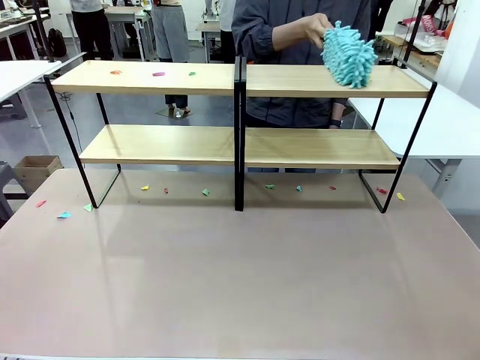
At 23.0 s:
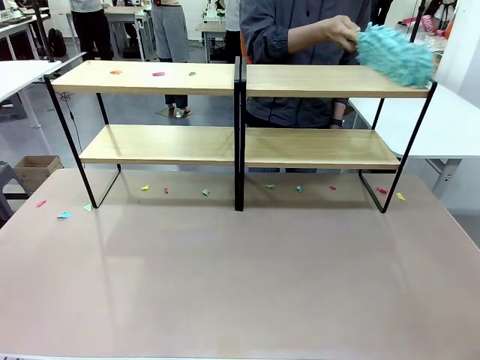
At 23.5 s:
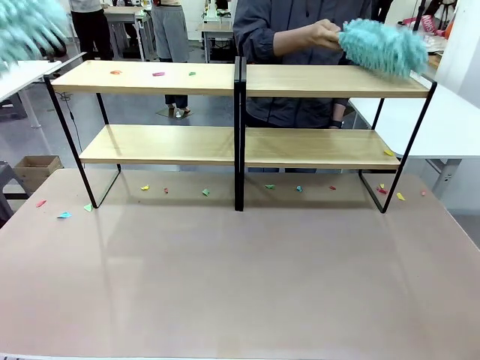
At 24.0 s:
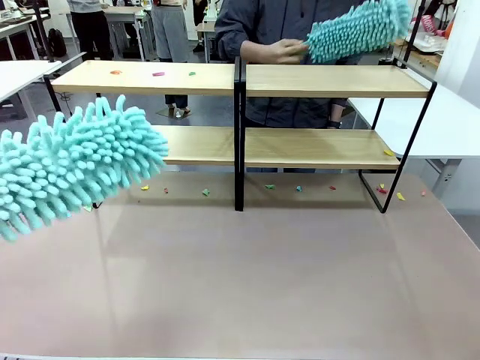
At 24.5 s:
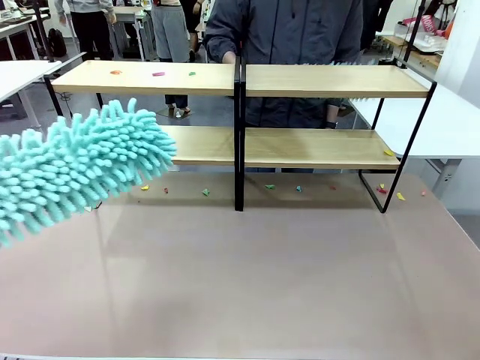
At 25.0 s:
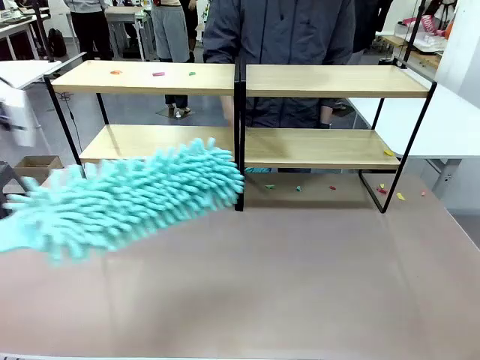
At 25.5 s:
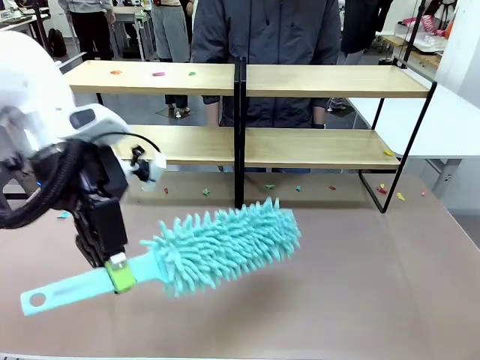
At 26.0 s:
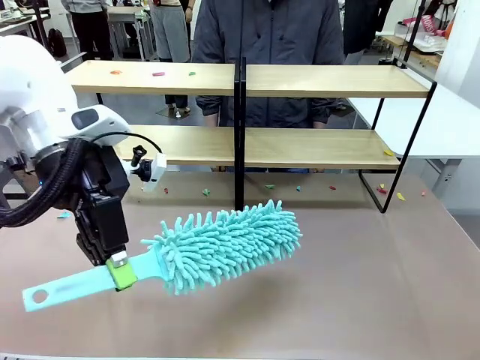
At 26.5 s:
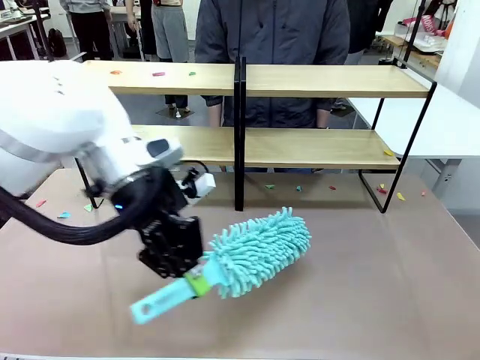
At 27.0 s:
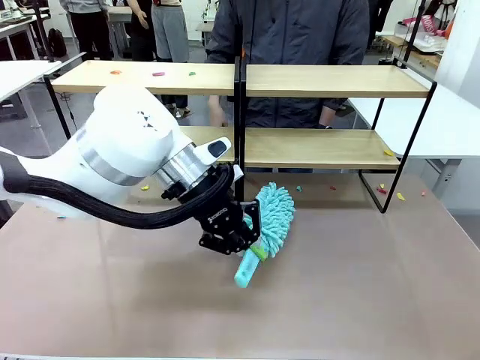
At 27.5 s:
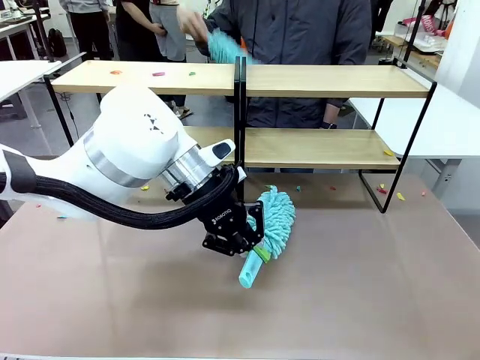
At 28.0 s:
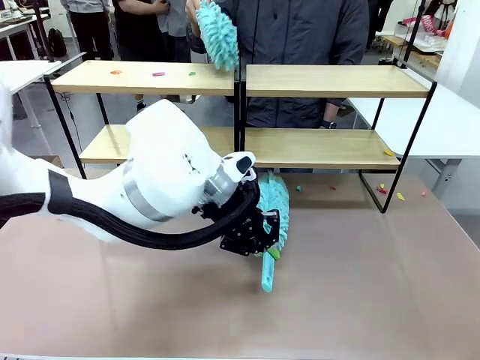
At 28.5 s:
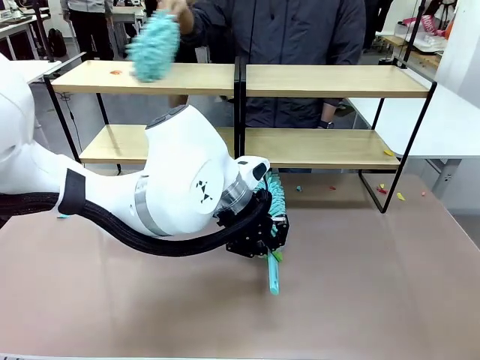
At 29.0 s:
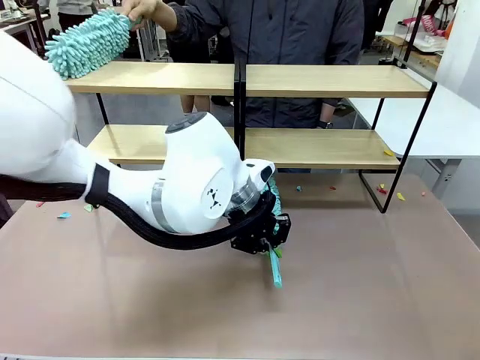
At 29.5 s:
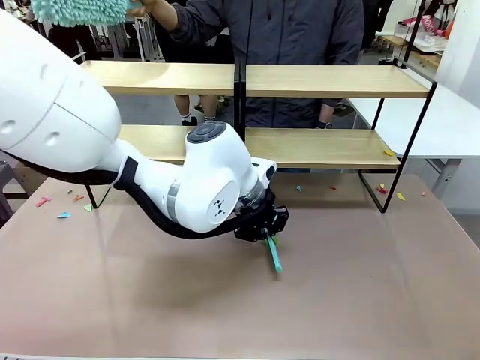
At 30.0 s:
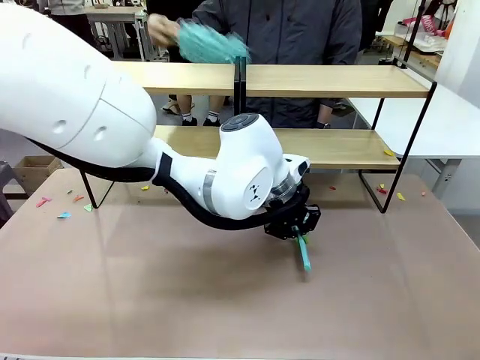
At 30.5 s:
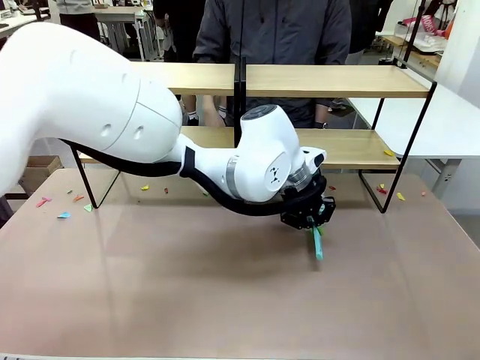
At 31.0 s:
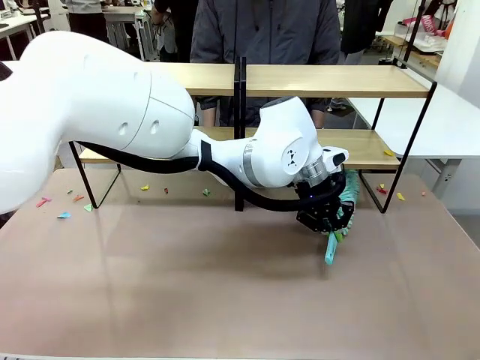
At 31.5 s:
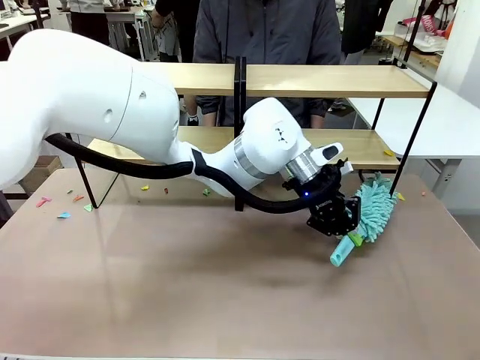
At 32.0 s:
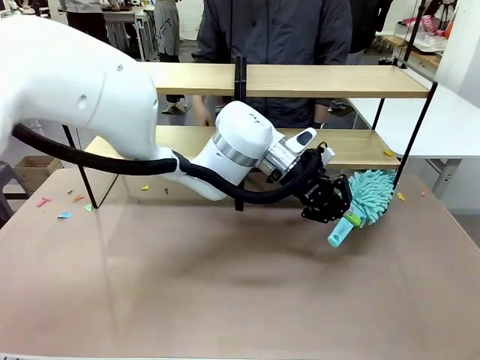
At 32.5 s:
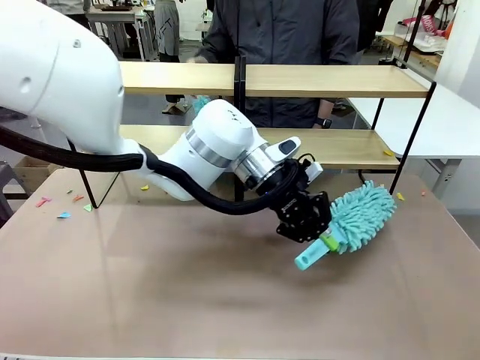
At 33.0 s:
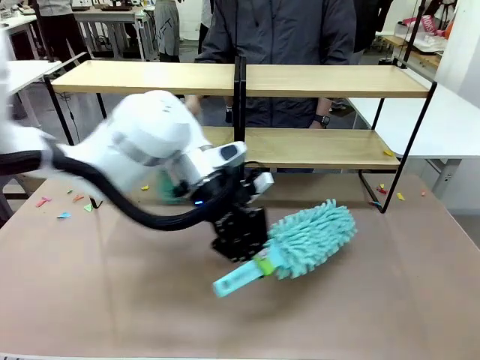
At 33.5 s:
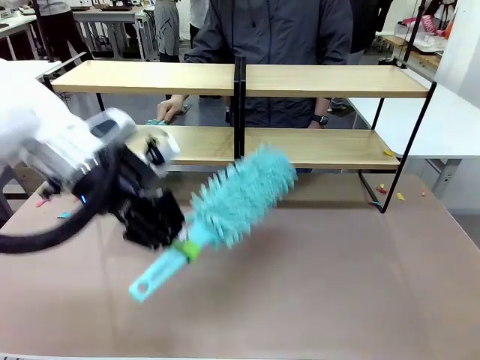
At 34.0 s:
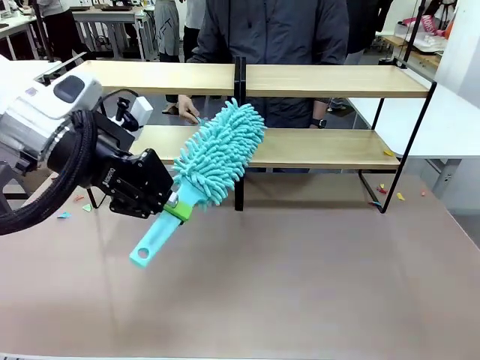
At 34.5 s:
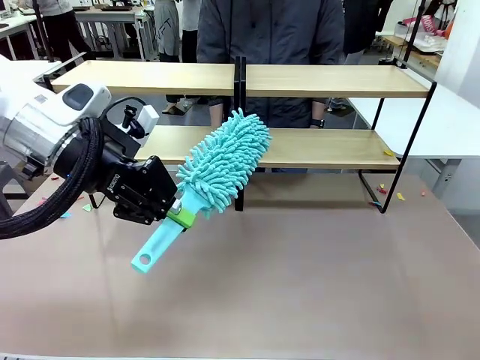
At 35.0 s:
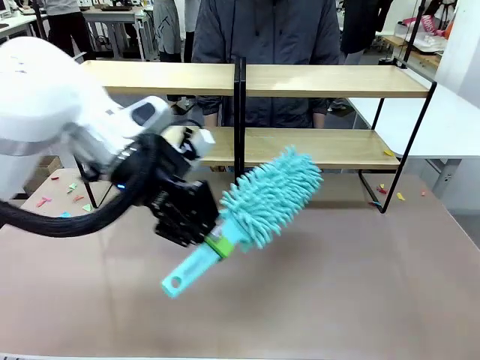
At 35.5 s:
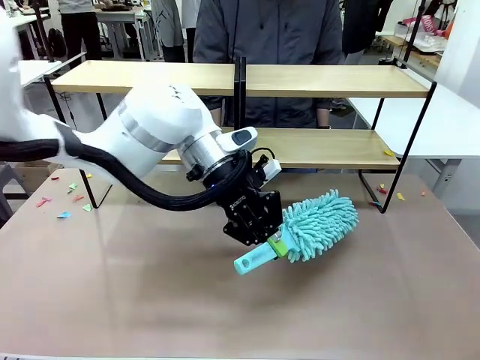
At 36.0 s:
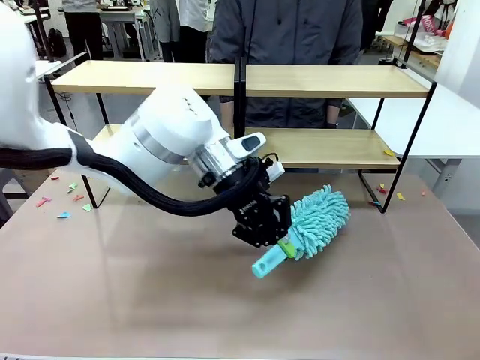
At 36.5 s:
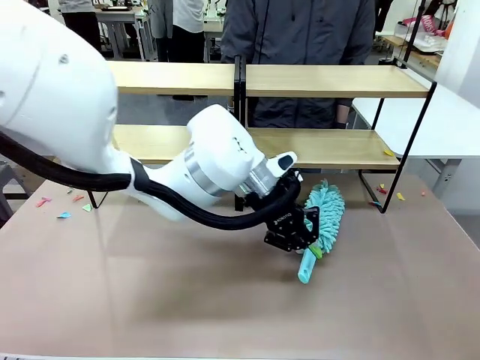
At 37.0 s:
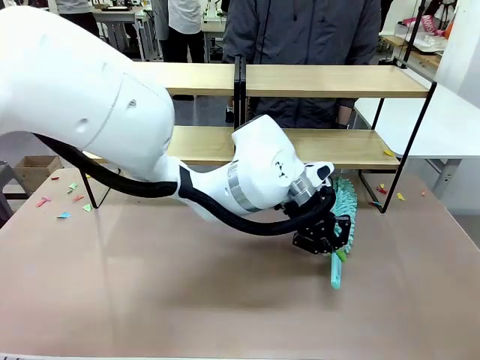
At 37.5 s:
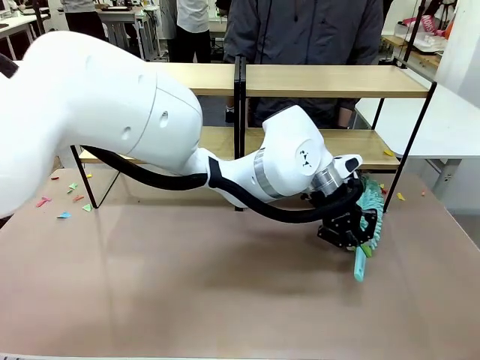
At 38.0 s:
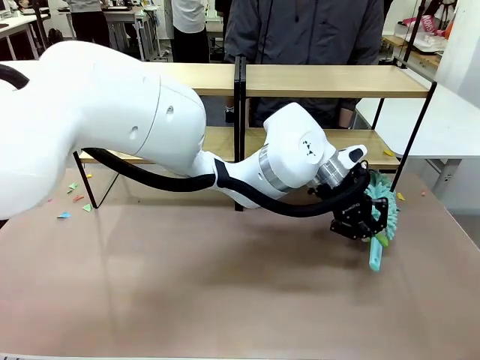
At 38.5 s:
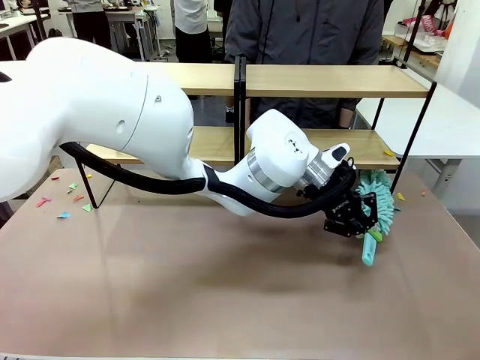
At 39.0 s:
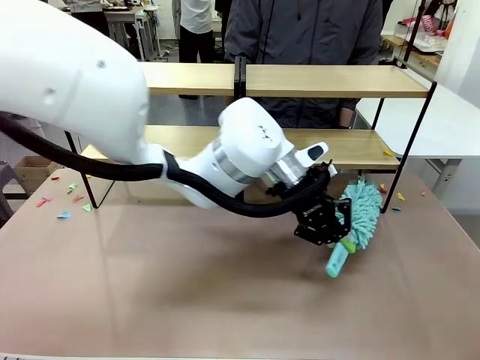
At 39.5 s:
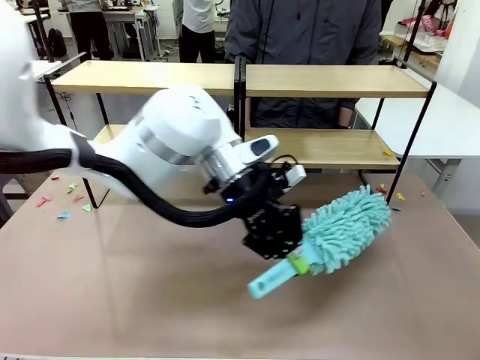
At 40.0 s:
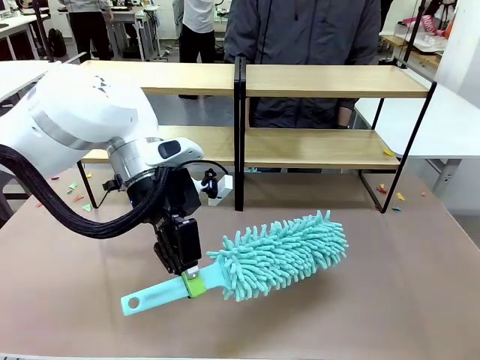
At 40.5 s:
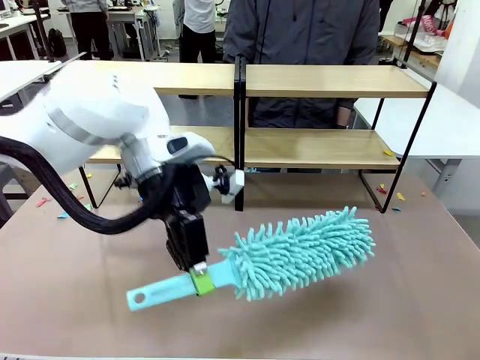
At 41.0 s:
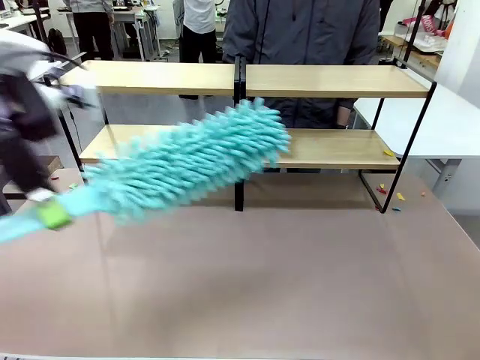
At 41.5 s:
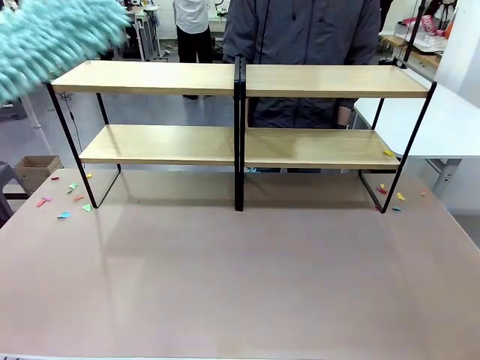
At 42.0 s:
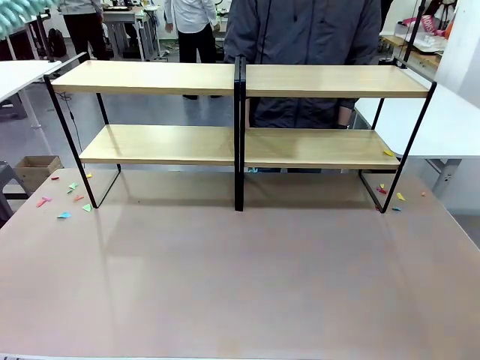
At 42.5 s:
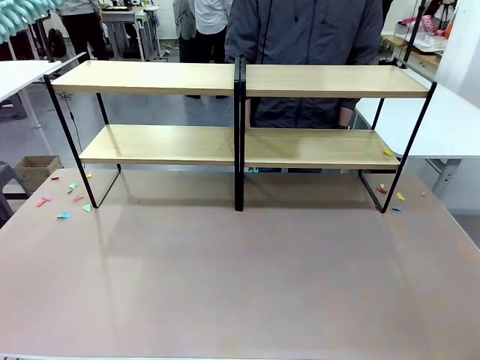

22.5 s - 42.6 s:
Task: Clean the shelves.
Robot: Clean another randomly selected level of the Shelf with the Duster.
Person: Clean a randomly selected level of the Shelf with the Duster.

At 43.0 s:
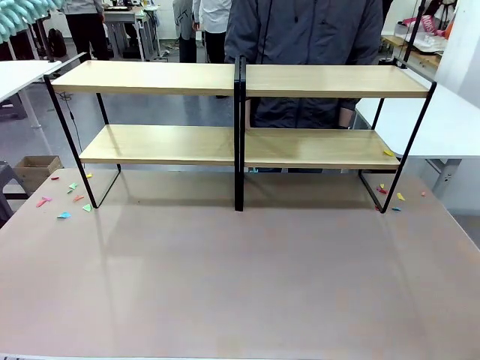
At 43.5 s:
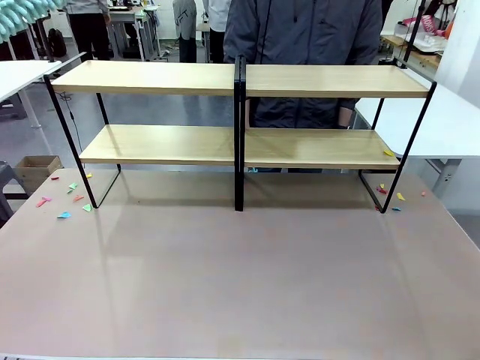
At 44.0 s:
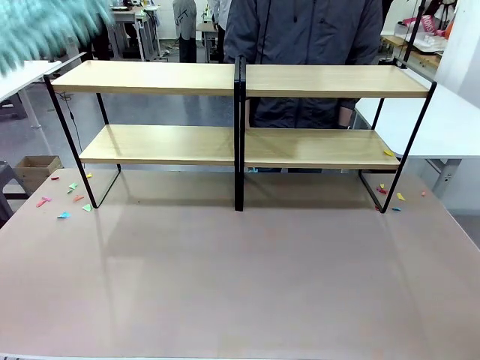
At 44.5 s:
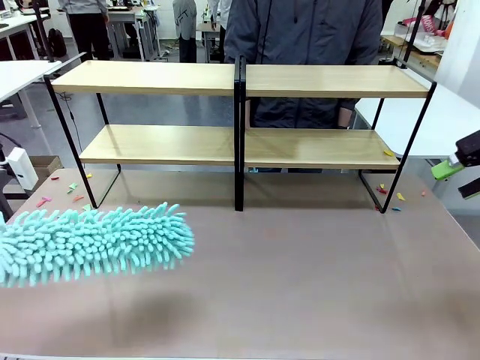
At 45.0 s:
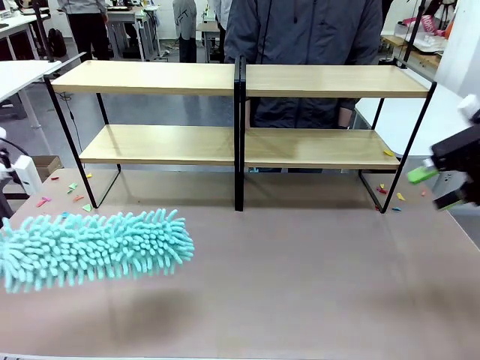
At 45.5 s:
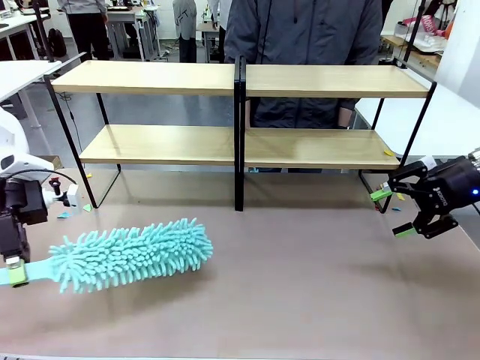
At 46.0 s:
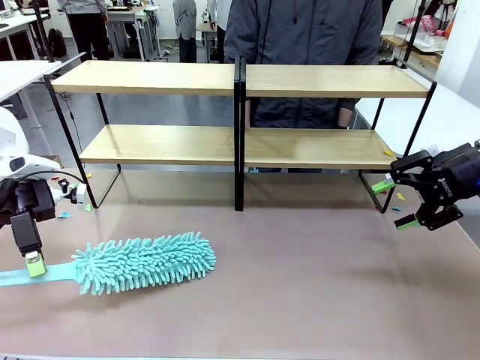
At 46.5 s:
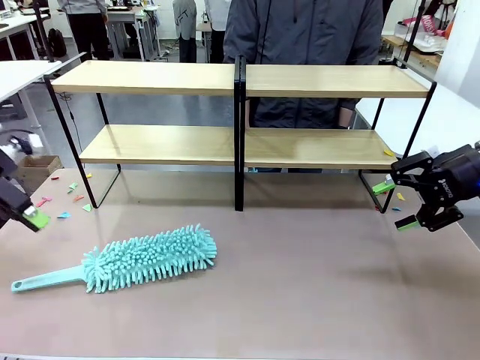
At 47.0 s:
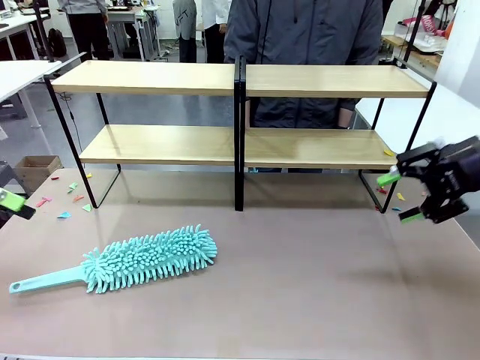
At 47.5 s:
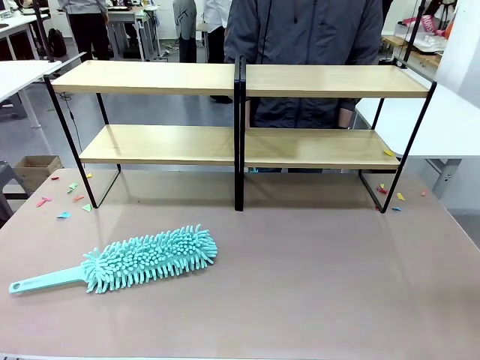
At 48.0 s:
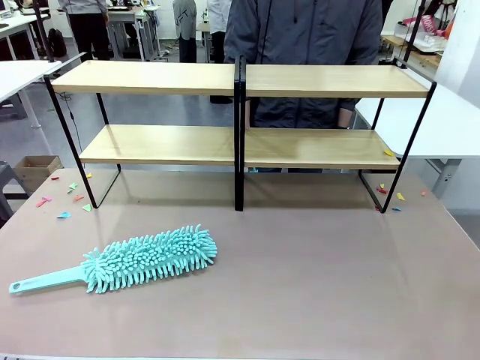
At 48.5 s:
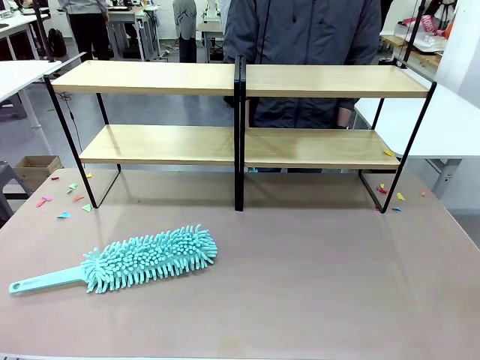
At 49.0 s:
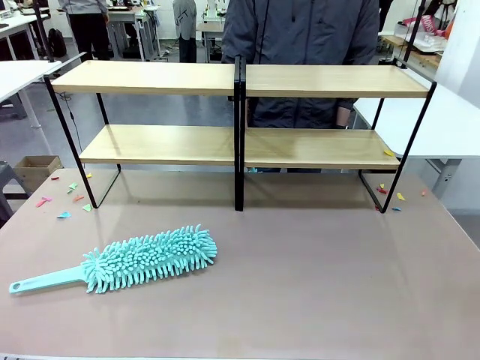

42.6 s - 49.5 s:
Robot: Place the Duster on the table.
